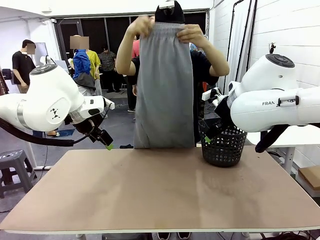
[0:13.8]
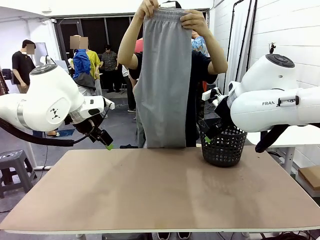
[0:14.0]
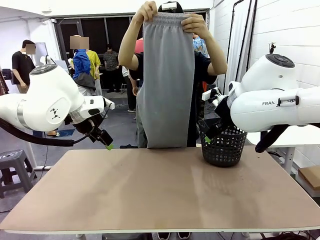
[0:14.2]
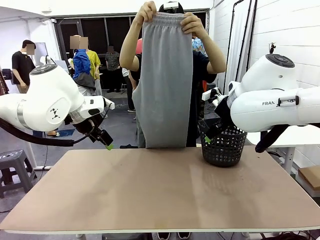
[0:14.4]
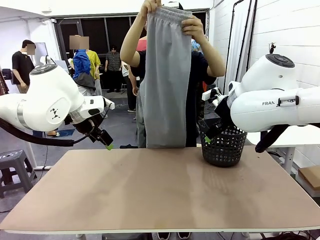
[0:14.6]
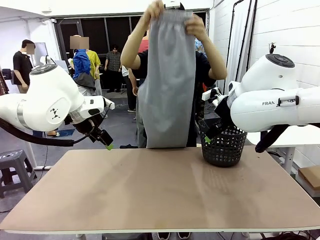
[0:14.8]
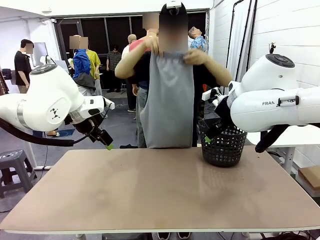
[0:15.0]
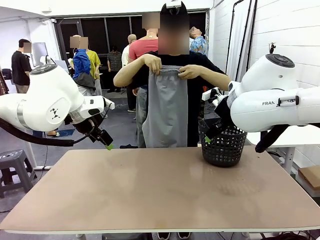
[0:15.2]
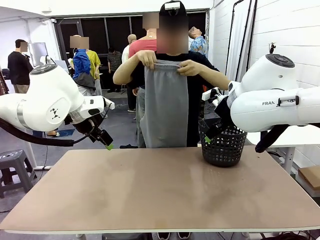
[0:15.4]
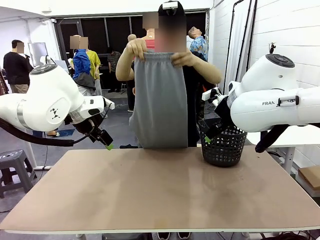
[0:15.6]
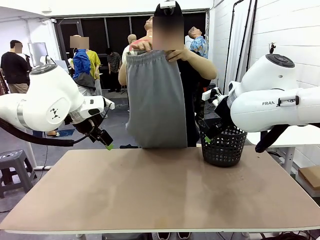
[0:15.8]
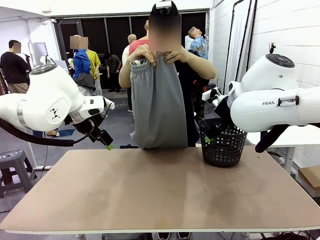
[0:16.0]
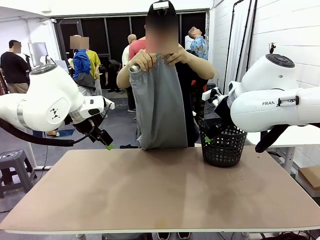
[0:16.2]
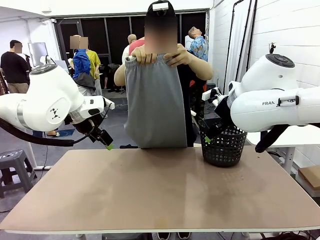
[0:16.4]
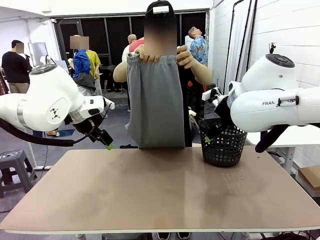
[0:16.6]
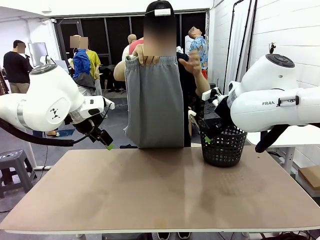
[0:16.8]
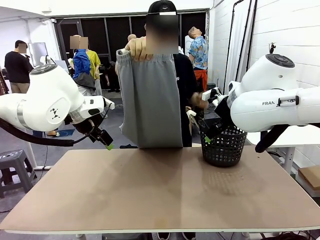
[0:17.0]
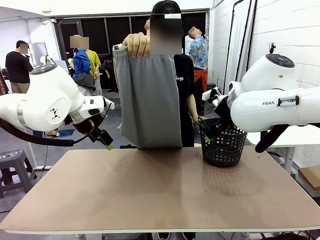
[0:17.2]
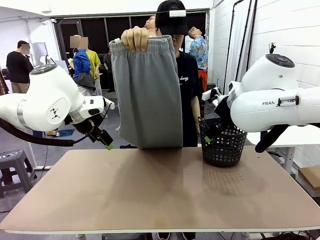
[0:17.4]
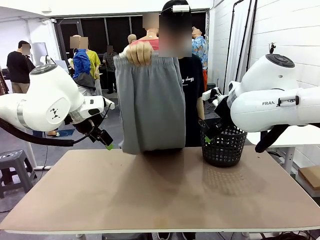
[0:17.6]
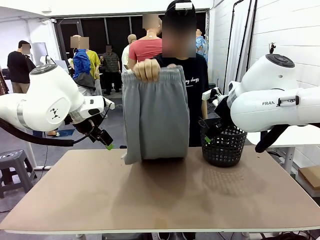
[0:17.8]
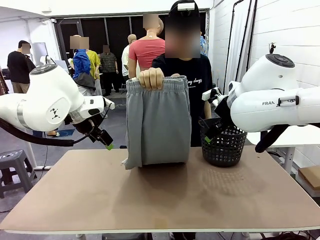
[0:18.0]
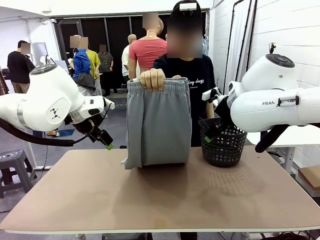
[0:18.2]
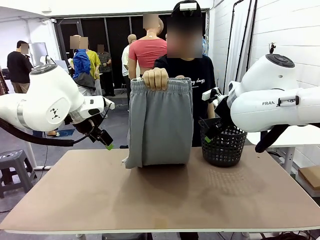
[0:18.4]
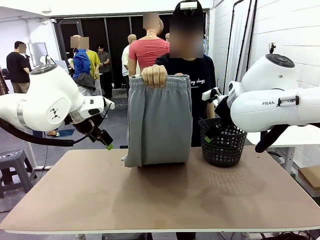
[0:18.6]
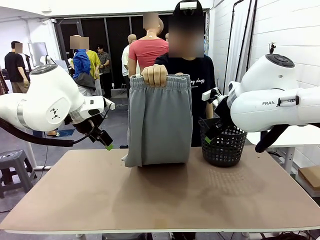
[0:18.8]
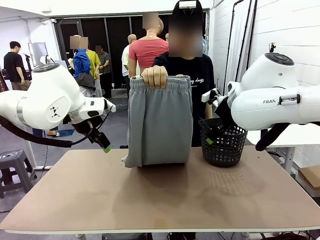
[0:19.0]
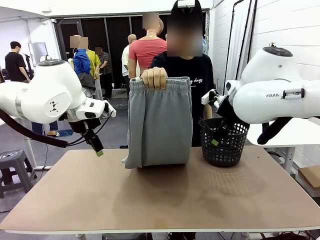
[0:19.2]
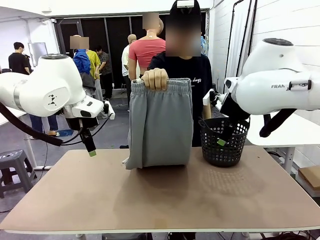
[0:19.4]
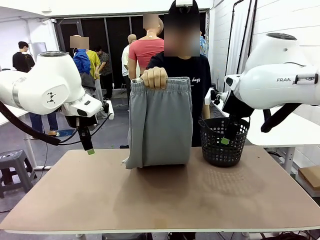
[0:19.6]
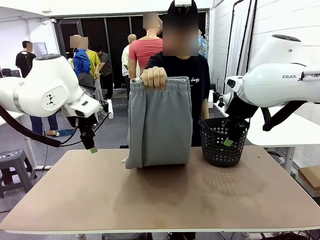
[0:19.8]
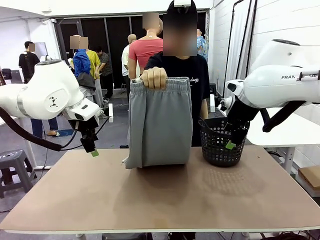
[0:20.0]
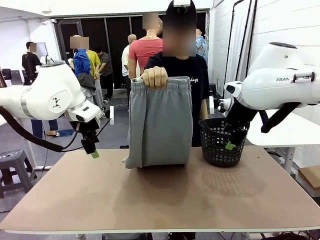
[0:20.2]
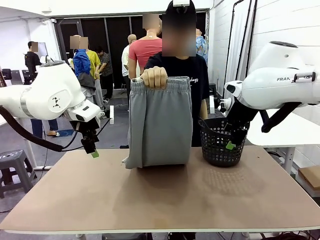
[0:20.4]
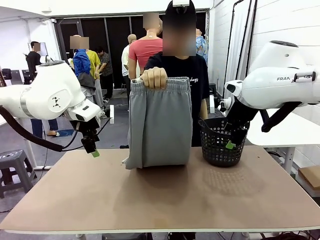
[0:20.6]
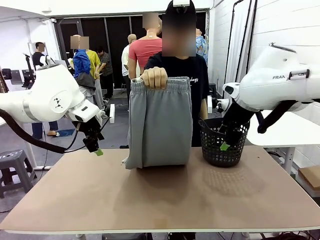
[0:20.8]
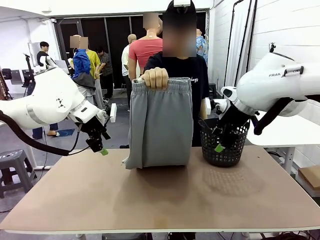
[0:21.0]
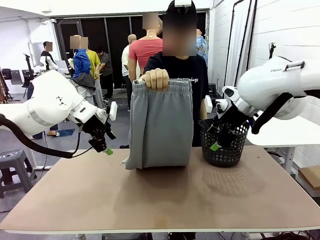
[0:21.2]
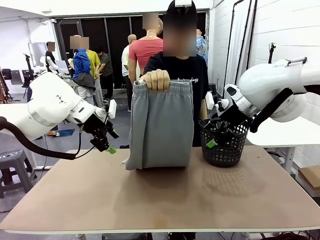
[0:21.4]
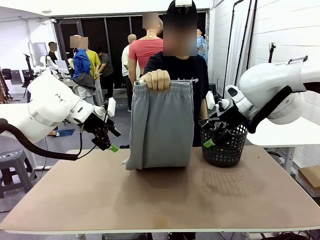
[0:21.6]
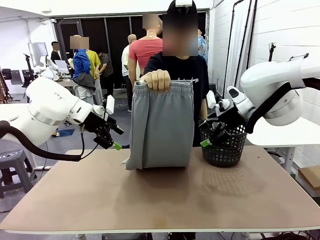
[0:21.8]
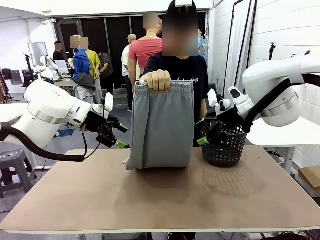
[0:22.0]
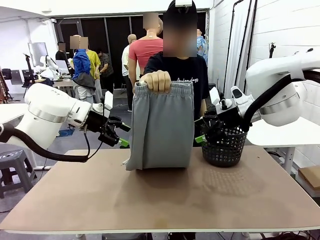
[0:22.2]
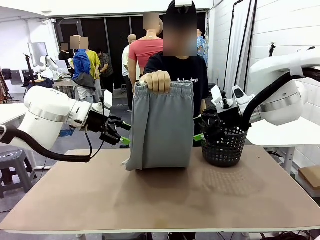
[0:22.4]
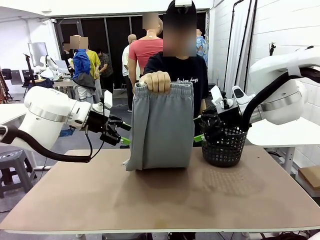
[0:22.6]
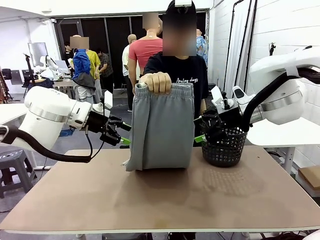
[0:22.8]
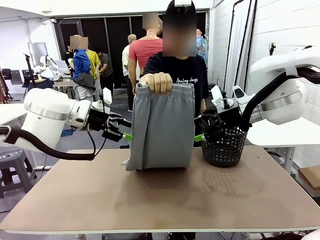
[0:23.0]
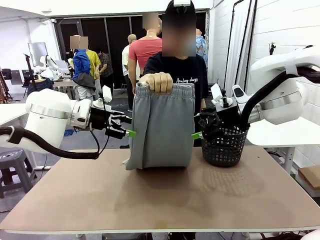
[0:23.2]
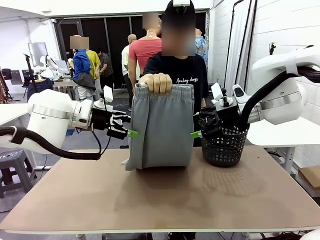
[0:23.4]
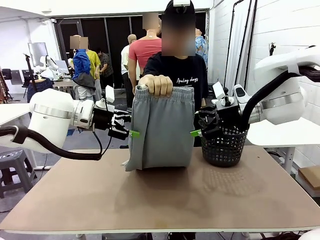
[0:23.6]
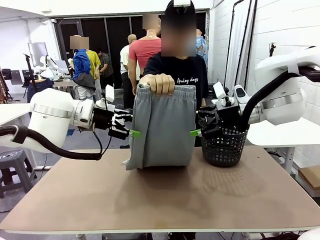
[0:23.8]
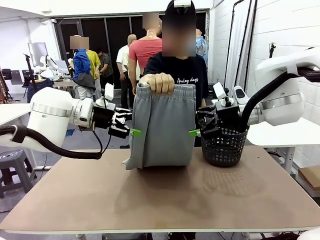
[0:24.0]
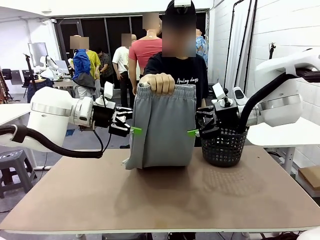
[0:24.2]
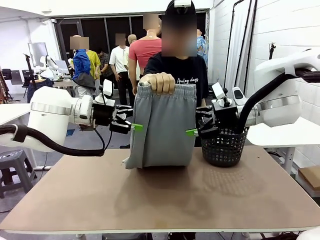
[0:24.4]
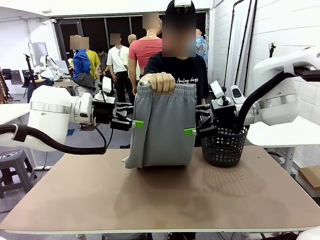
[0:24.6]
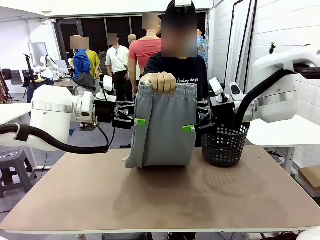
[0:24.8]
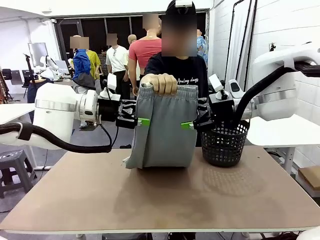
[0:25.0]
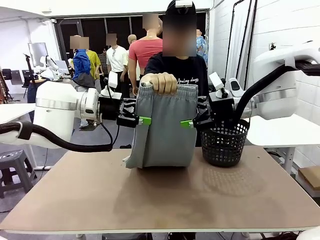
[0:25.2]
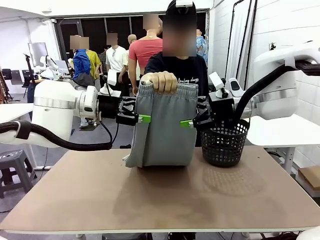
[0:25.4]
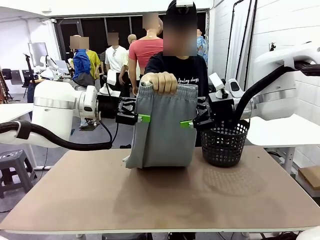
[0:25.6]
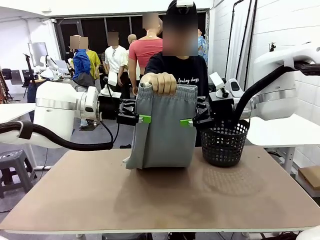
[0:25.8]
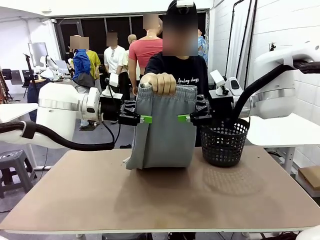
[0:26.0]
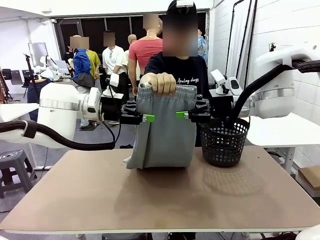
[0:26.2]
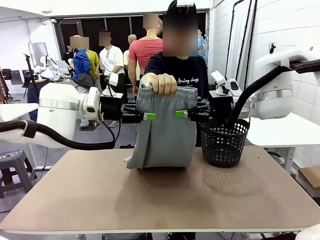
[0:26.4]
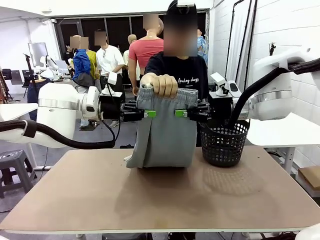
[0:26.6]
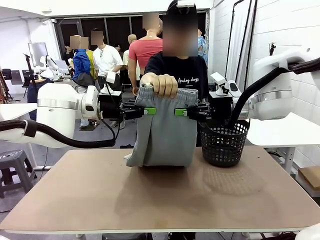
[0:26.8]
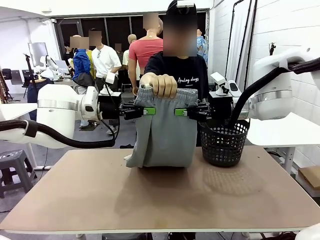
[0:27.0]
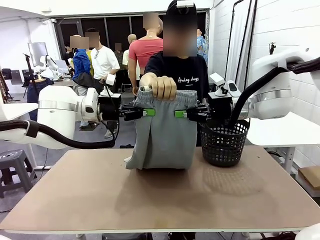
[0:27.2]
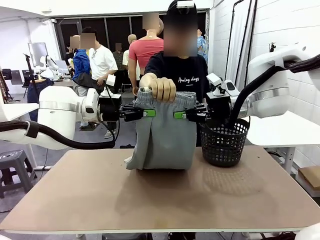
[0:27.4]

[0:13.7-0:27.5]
Task: Fold the training pants.
Robot: Grab both ends of the Training pants handed by a person.
